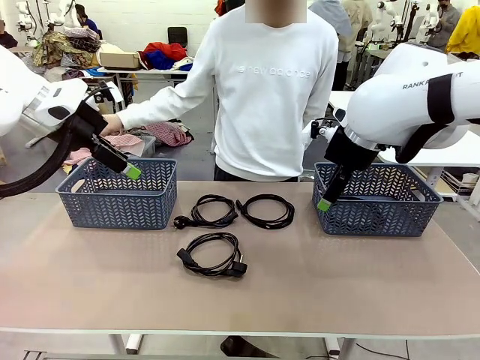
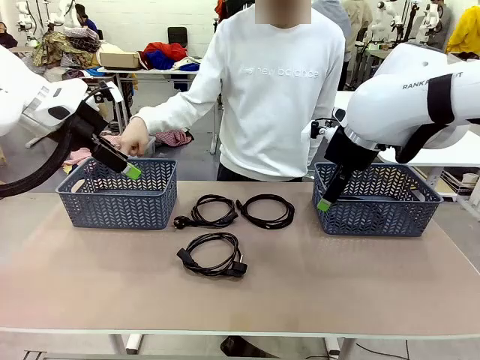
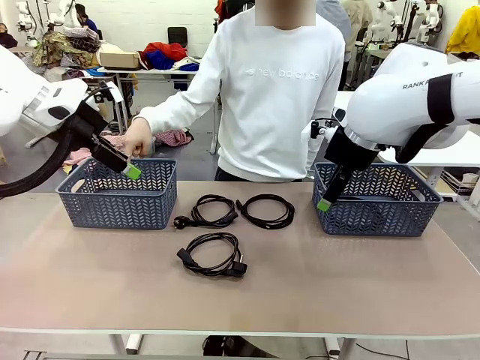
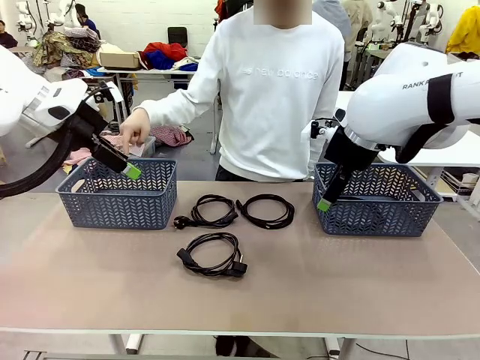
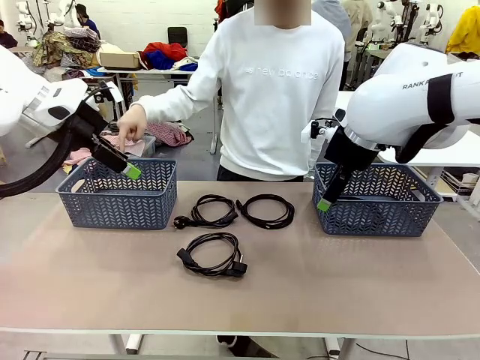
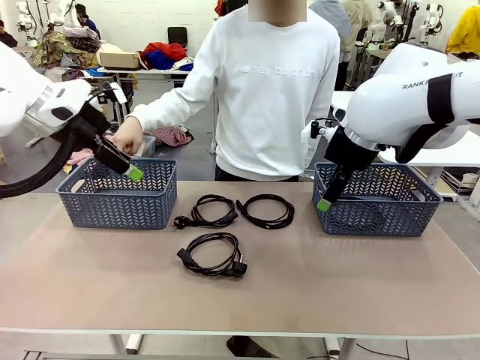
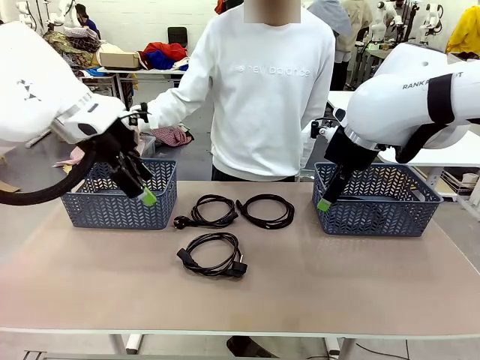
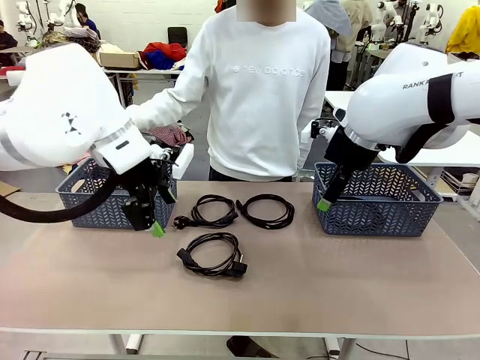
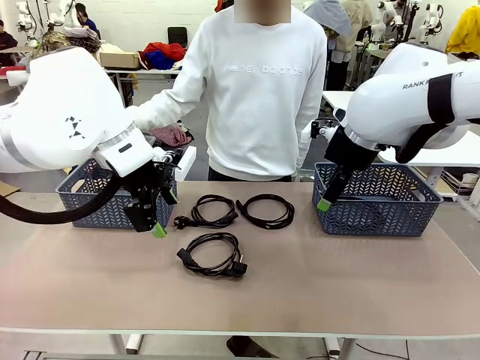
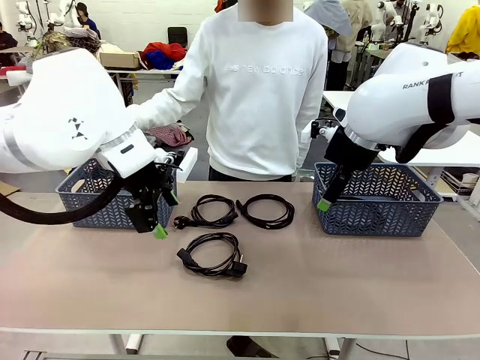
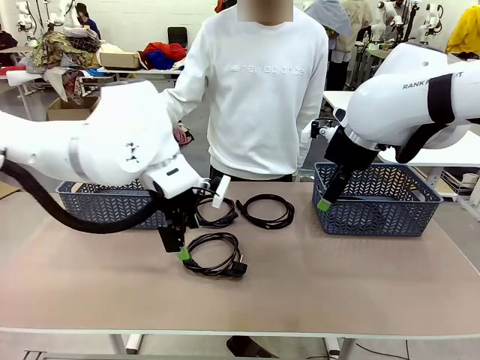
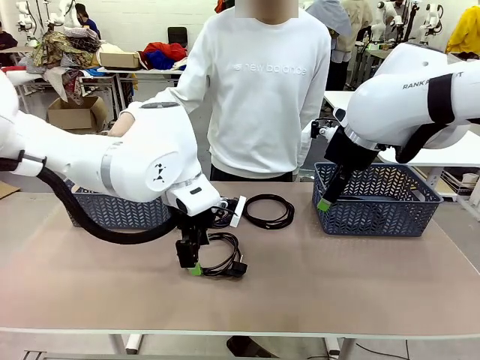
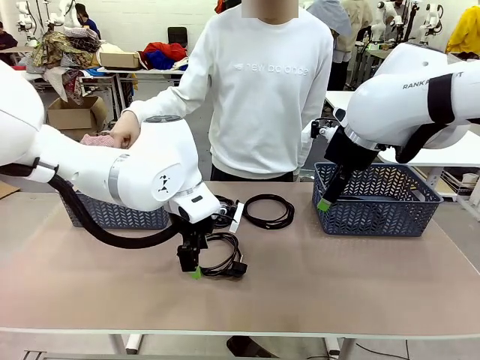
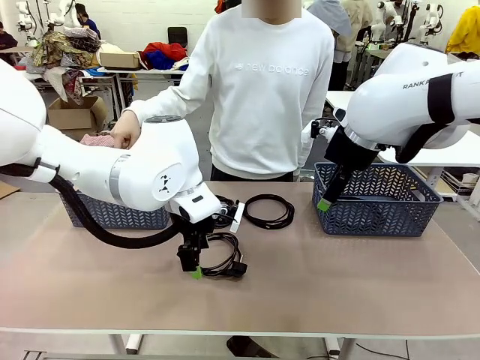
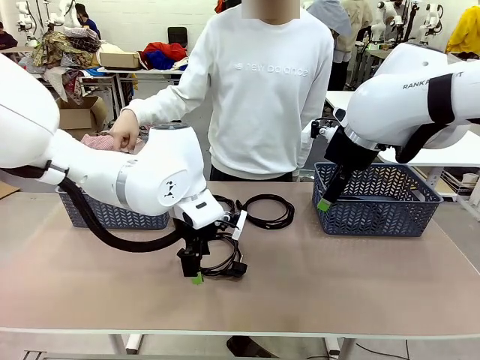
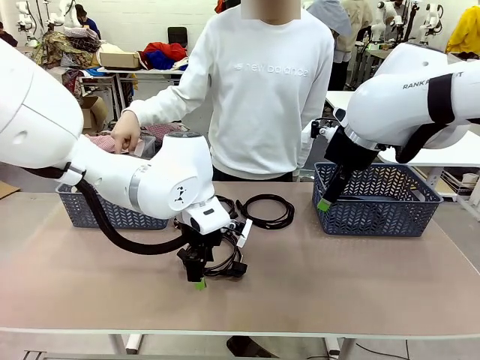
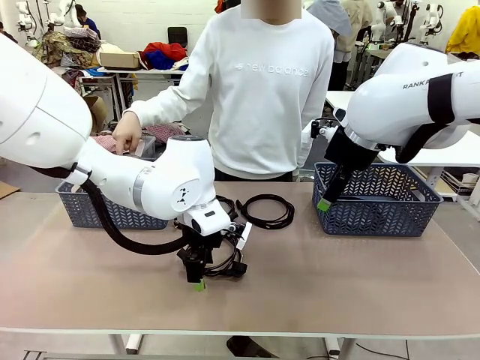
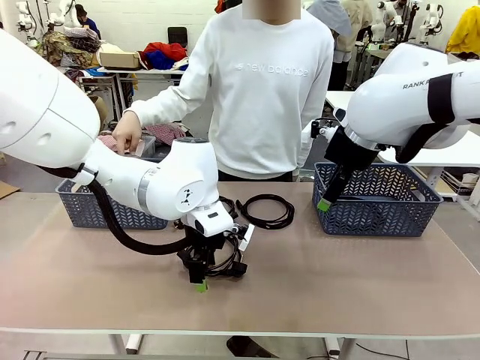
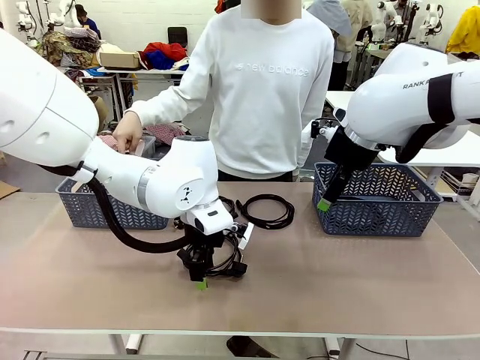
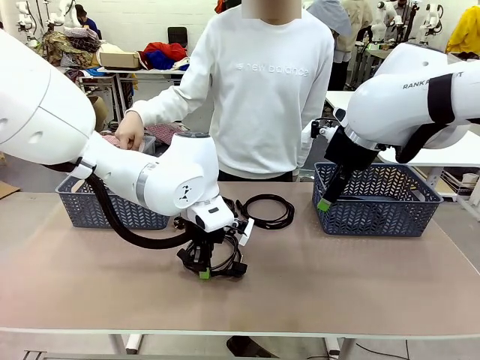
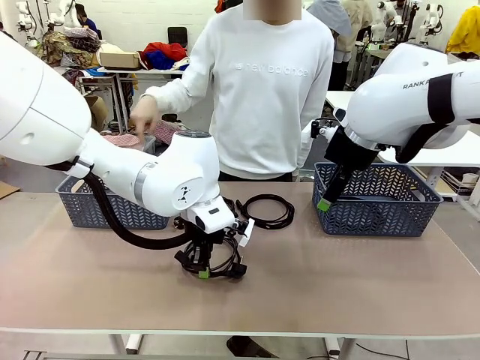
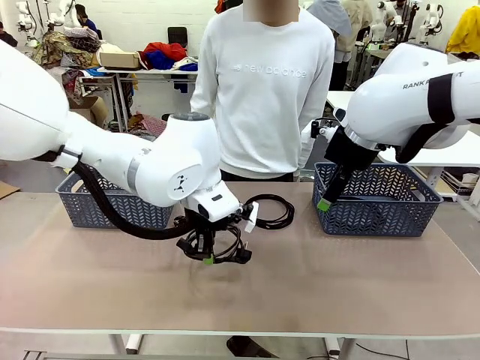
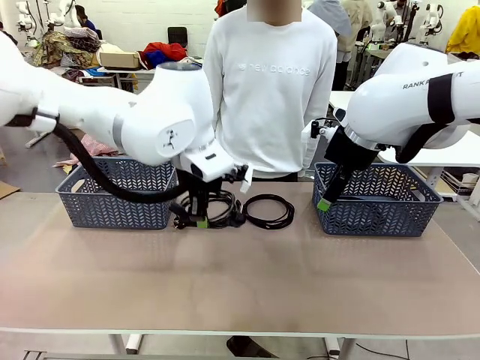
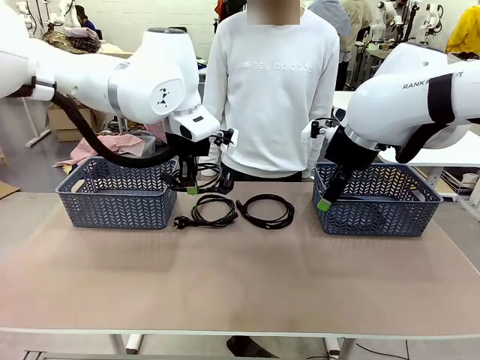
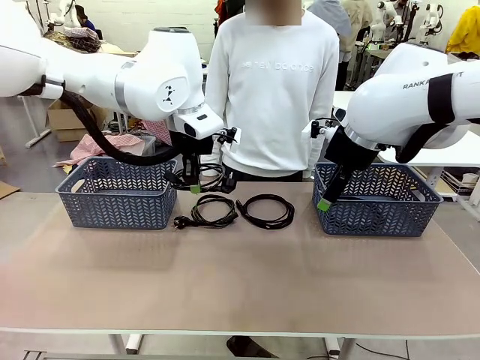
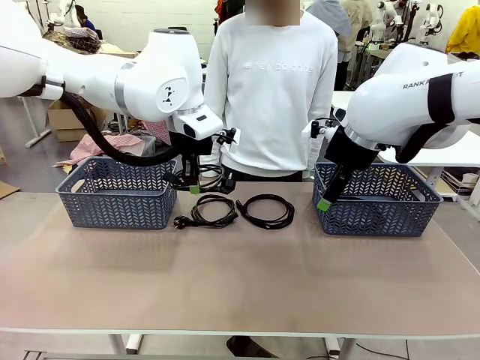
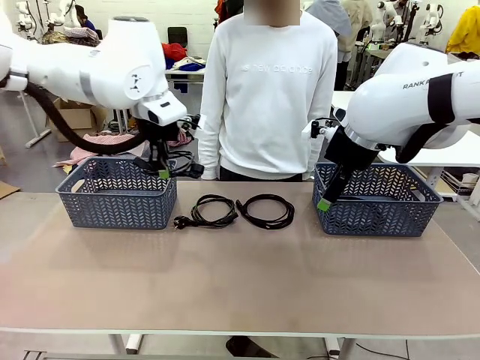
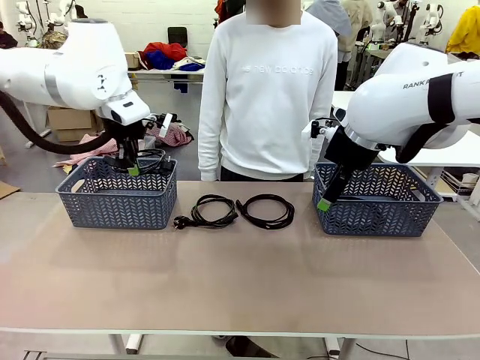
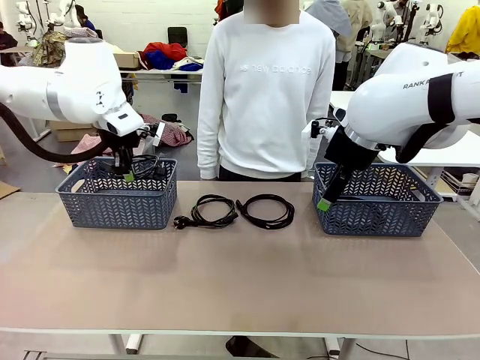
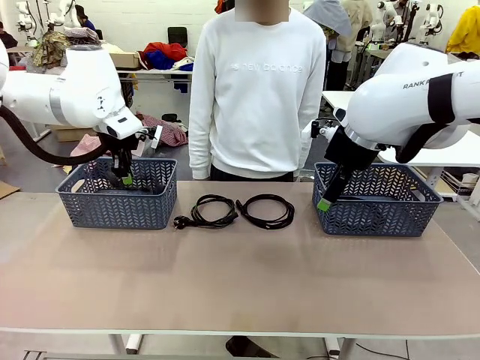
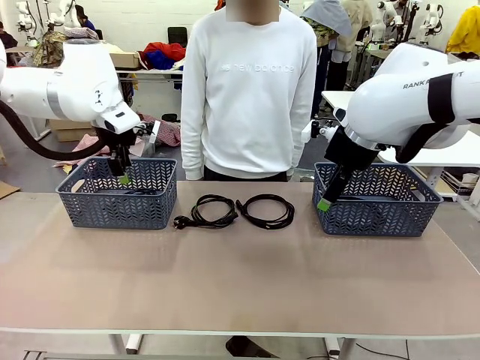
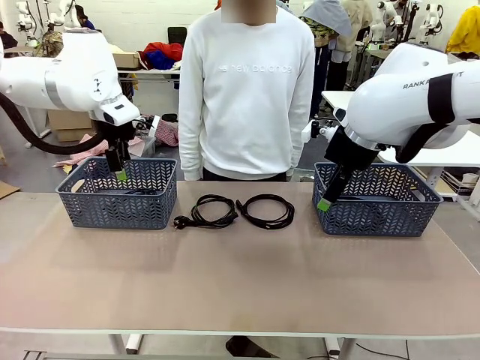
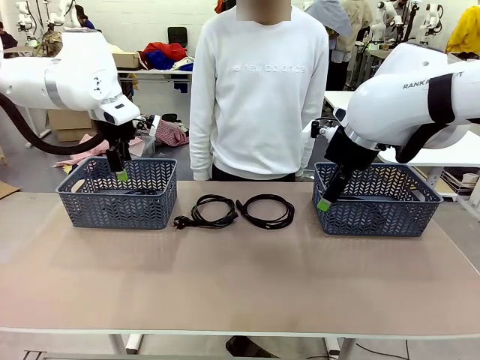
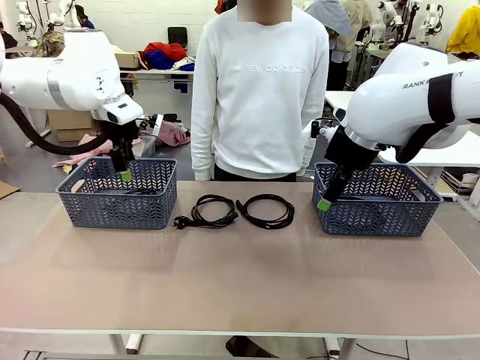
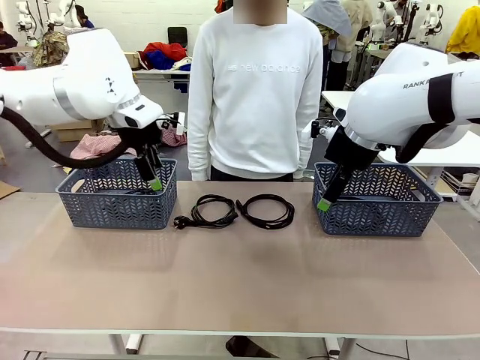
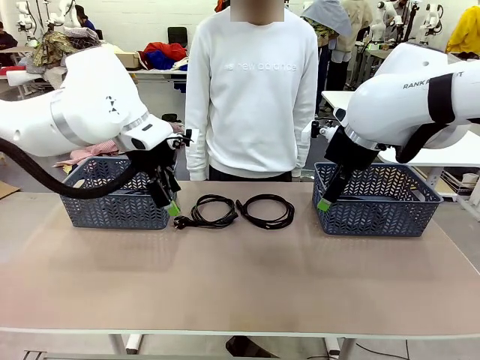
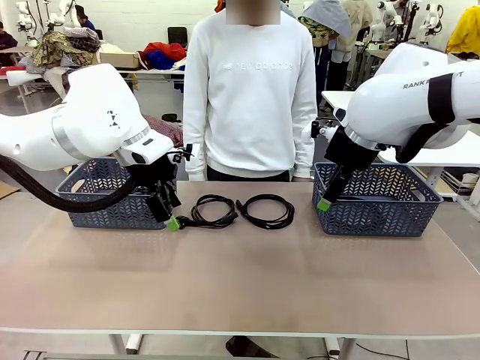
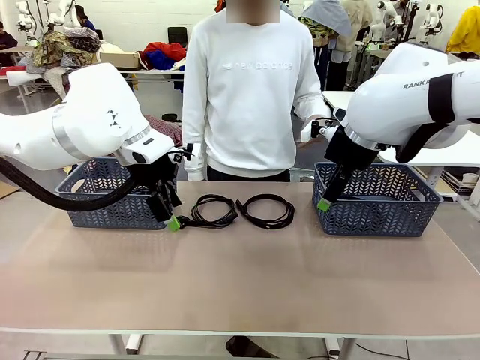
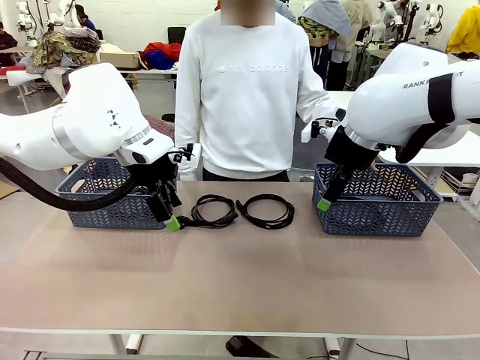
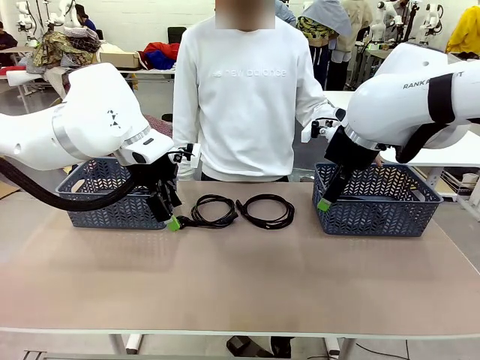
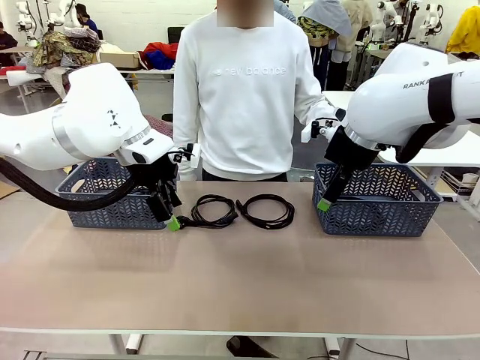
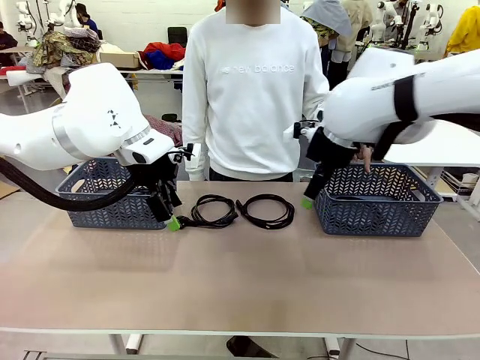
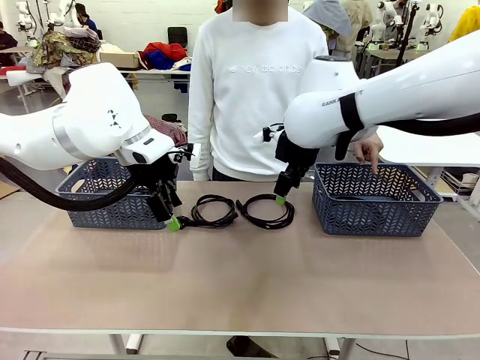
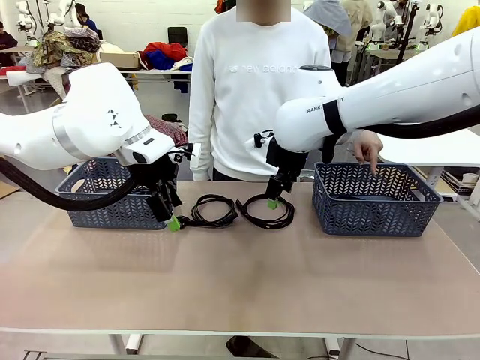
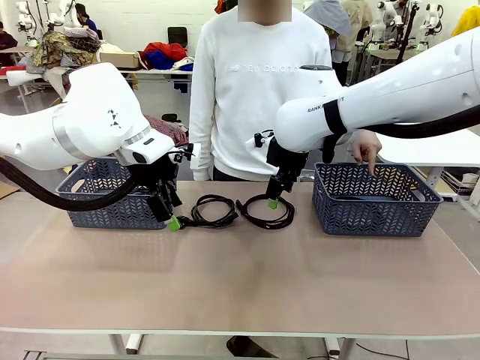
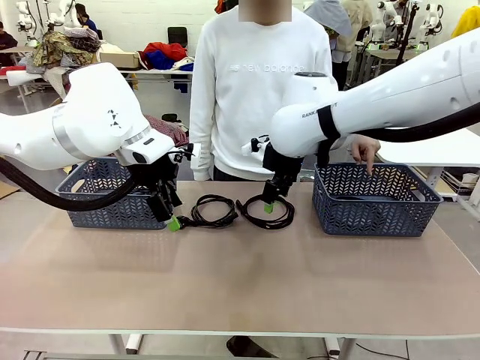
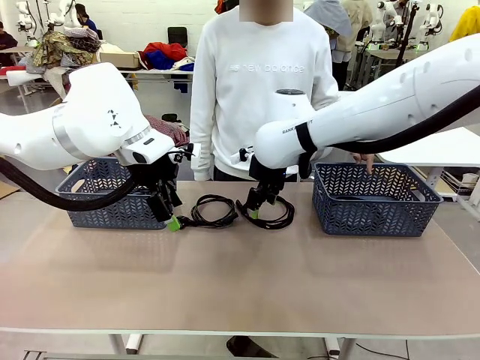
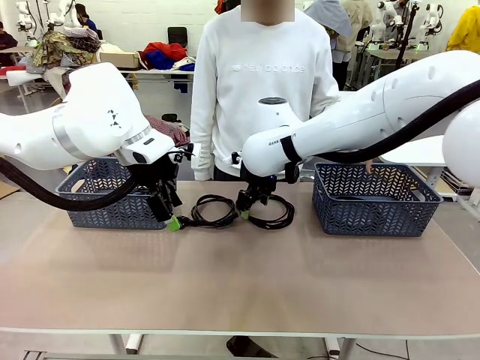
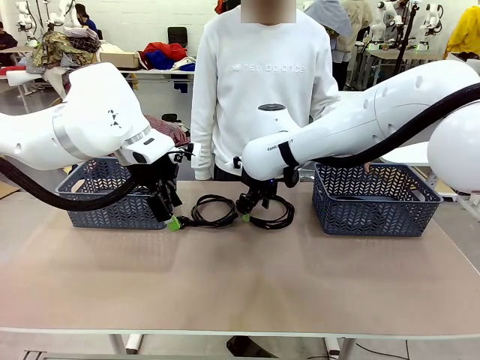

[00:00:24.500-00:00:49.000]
Task: Organize the cables according to human instructions.
Robot: Pick up a bundle of cables and place it in the basket indicated by the human.
